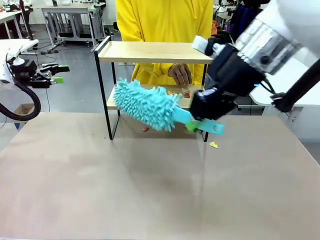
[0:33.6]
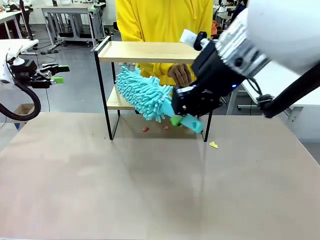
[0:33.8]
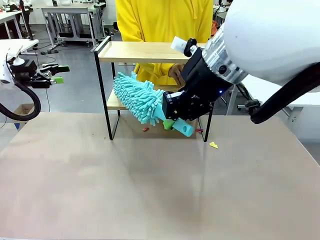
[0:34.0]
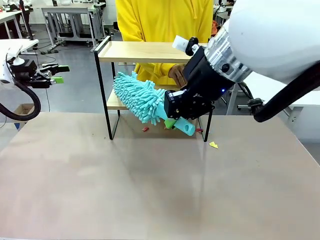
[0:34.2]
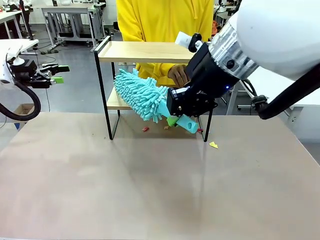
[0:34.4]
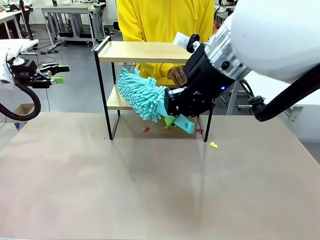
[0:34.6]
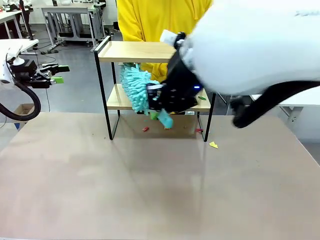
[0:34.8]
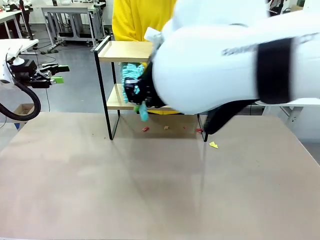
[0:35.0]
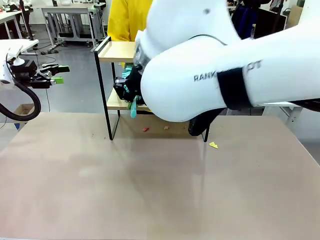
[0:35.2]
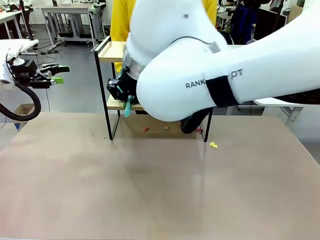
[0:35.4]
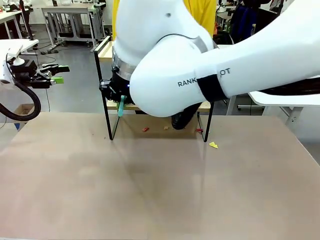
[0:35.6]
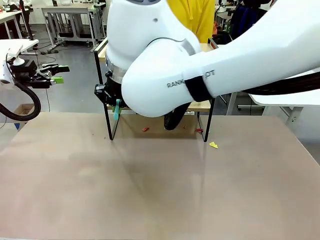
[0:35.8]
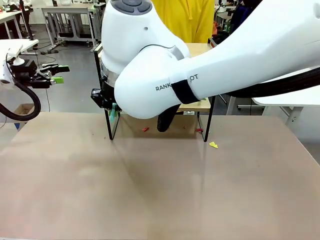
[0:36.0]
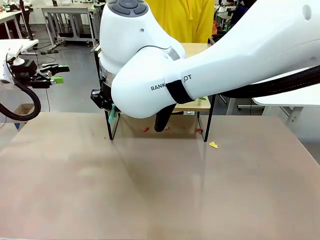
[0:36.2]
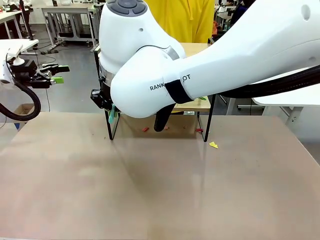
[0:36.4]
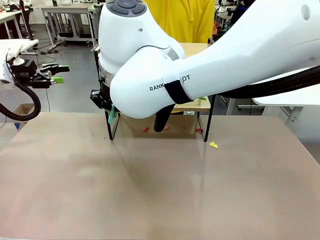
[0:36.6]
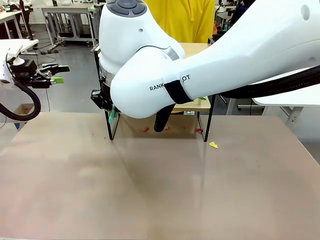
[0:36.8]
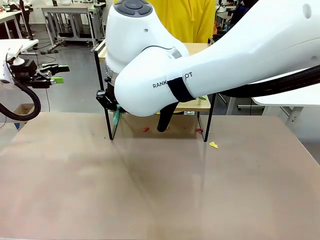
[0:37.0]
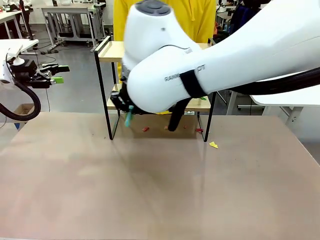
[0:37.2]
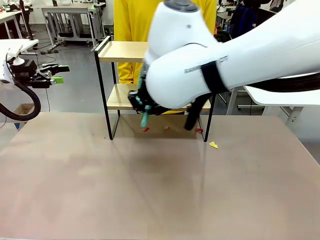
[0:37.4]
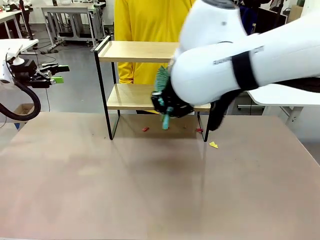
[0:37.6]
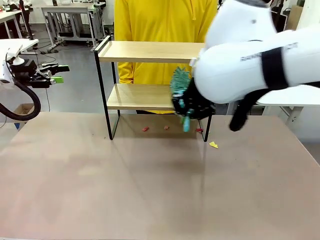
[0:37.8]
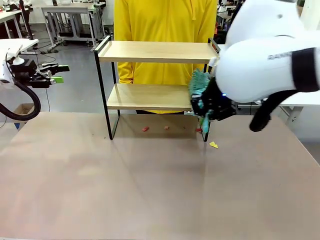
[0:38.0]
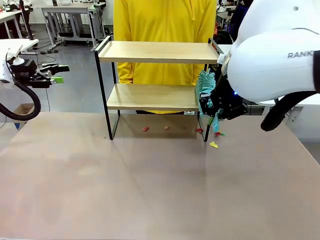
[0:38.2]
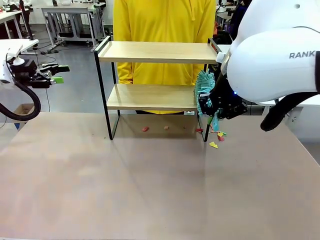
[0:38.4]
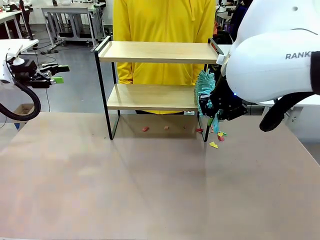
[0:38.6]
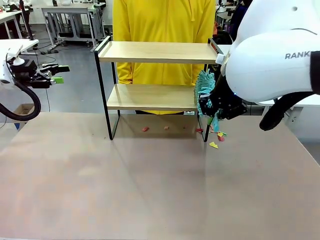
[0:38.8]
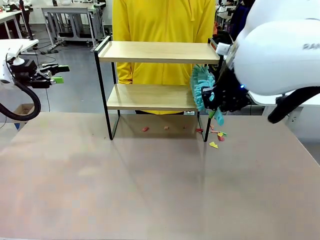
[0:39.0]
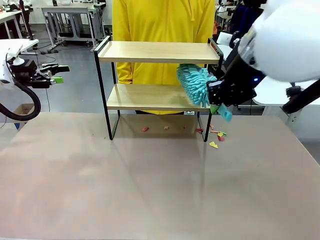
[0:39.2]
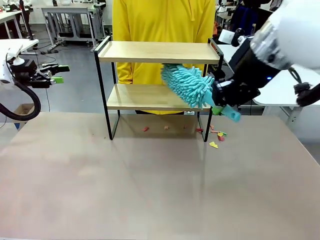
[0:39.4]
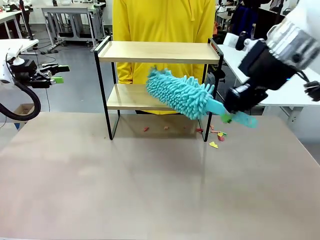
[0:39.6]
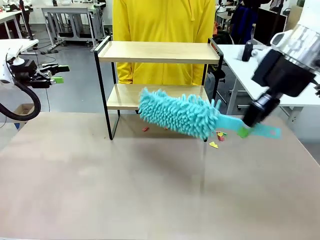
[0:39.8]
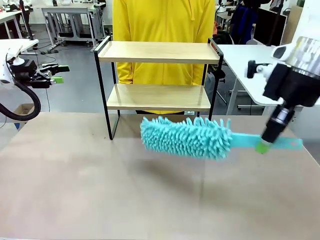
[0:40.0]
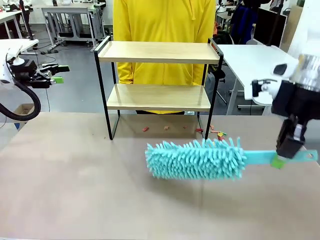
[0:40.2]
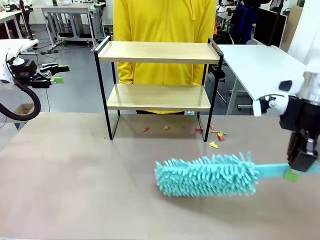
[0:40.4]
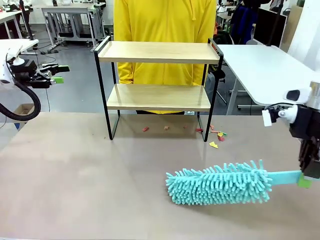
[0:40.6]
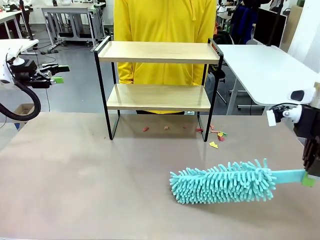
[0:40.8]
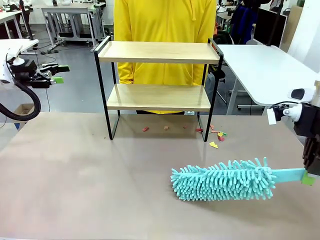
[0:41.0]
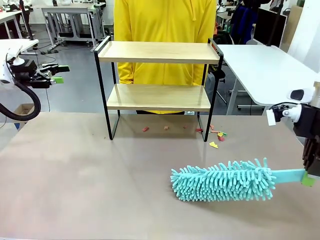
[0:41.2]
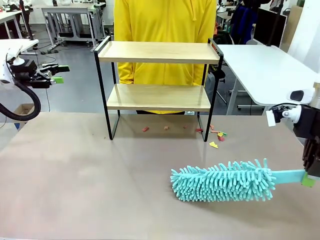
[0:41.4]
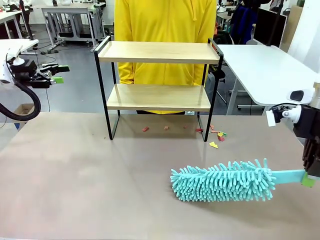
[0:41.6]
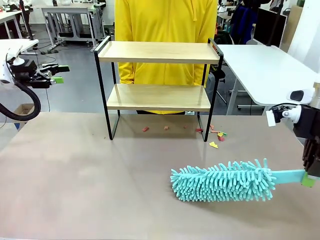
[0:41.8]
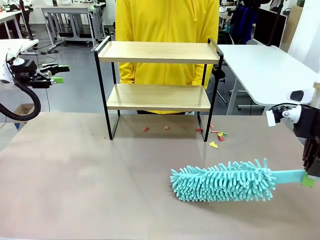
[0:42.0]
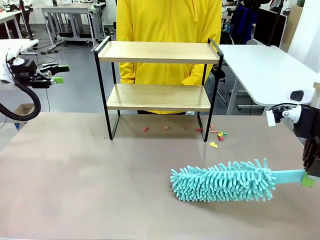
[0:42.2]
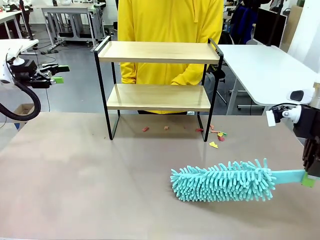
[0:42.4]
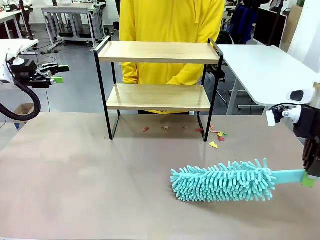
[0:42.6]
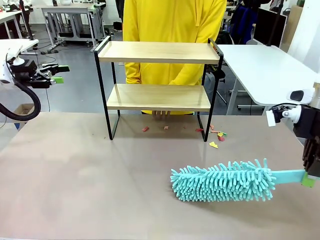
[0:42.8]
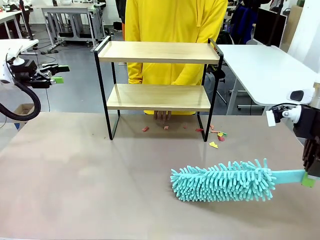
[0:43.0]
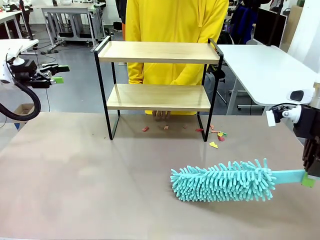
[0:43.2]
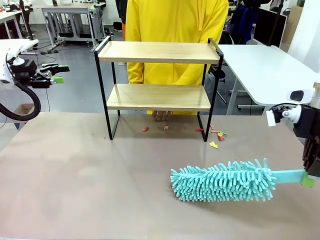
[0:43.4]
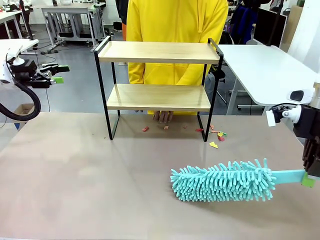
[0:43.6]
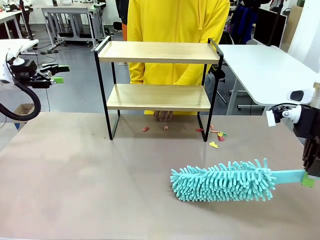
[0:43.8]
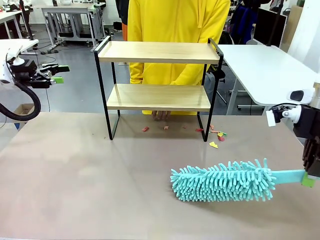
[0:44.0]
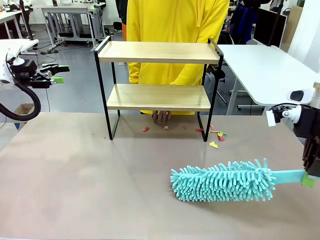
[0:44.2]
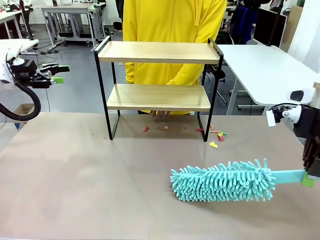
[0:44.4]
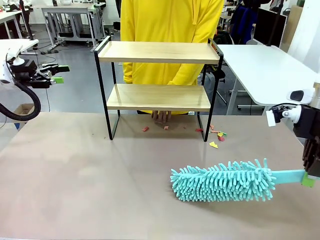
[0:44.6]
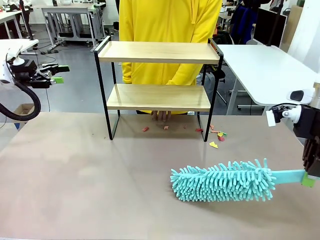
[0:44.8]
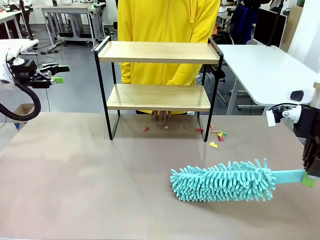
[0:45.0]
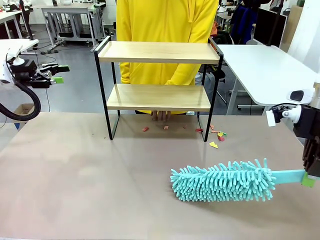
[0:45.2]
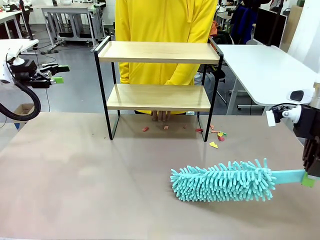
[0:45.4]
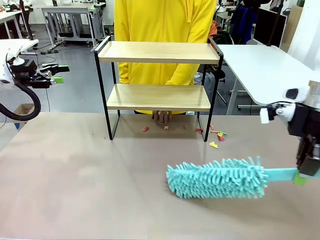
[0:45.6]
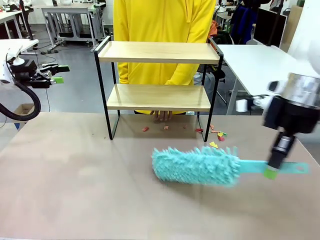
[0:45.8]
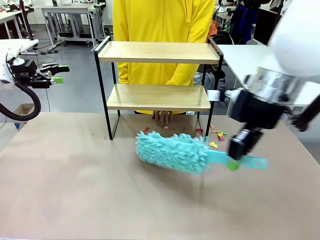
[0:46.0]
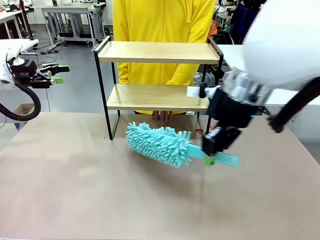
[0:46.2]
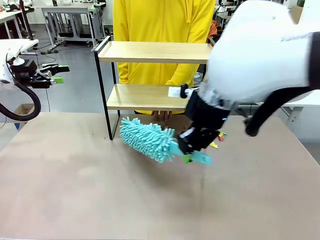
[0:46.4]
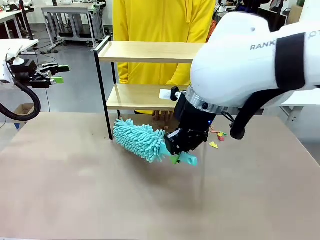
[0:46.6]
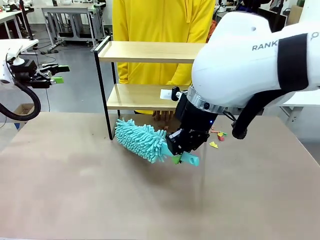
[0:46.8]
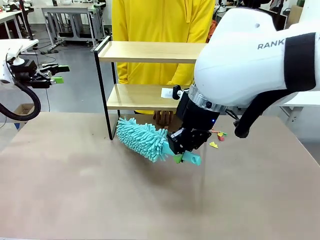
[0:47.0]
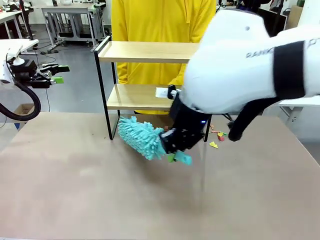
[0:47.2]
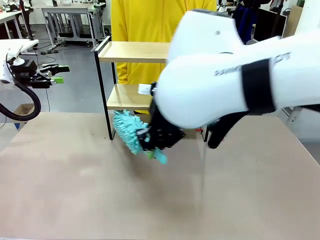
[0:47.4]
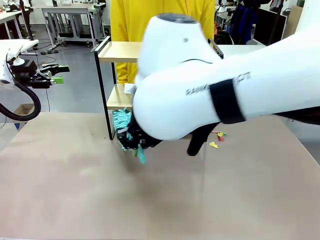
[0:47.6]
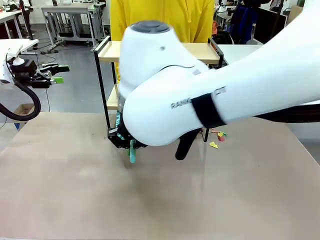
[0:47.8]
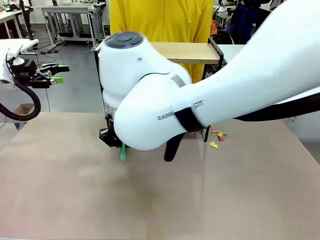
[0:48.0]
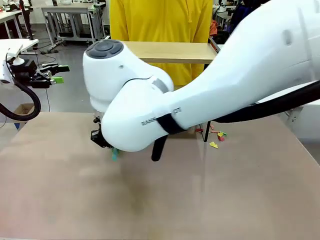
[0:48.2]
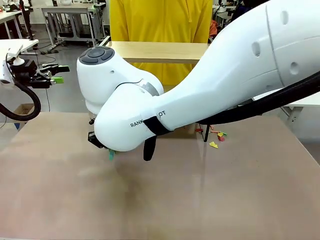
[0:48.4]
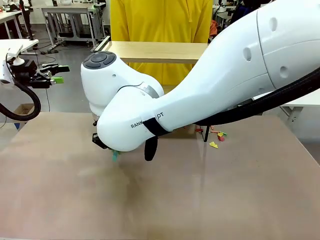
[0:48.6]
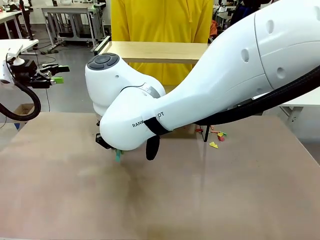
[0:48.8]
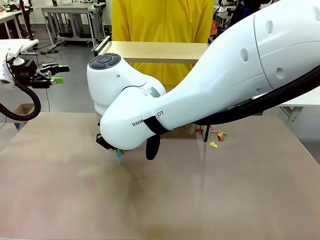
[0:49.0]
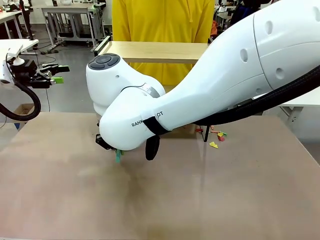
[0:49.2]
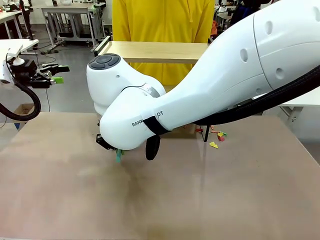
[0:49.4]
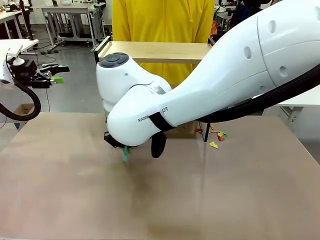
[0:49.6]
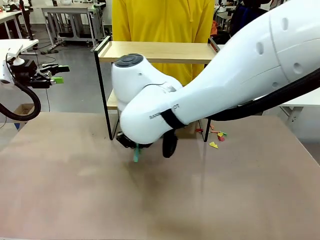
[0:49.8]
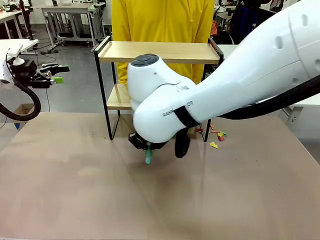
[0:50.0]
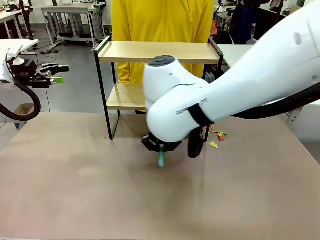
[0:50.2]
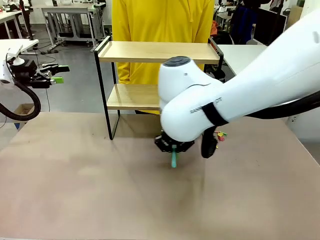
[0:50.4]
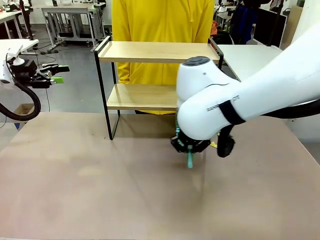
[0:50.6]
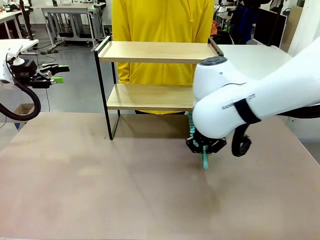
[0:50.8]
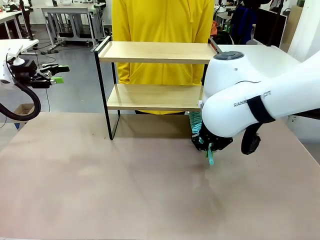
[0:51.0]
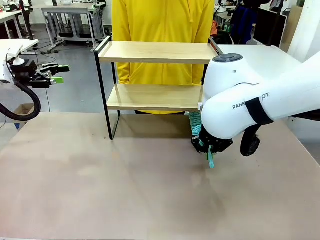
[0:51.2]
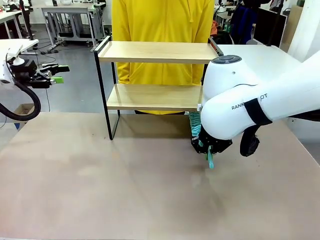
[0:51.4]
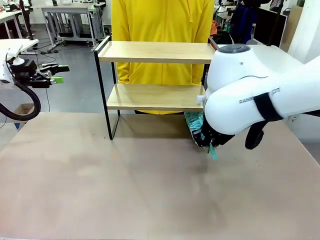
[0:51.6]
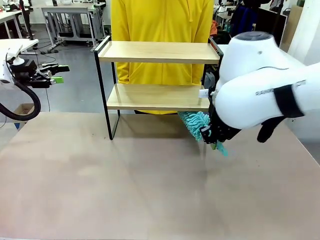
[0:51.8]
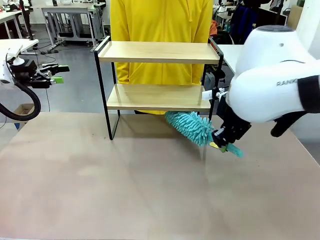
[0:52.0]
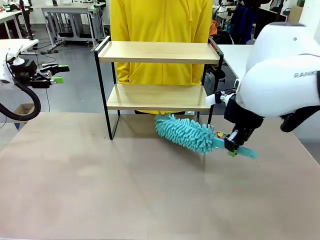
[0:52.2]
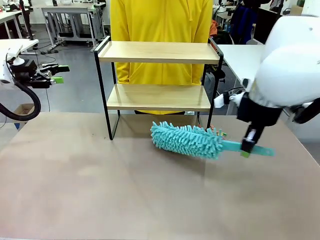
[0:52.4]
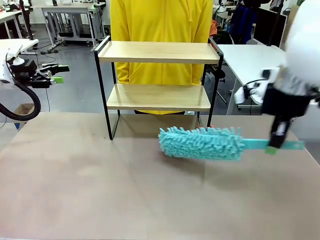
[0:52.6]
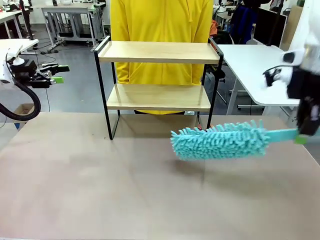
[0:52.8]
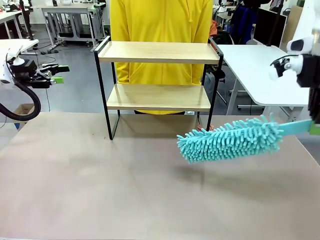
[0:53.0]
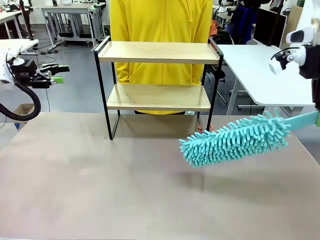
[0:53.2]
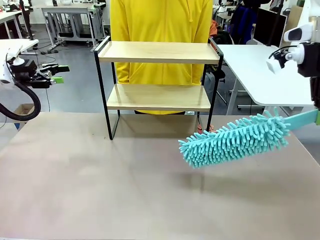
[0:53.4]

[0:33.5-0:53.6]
Task: Clean the shelf.
Robot: Clean the specific section of the Shelf indicated by the human with the Duster.
Person: Point a remaining section of the Shelf.
